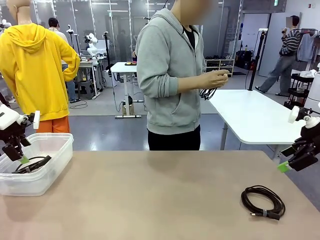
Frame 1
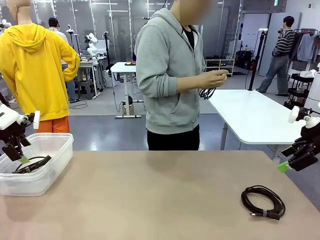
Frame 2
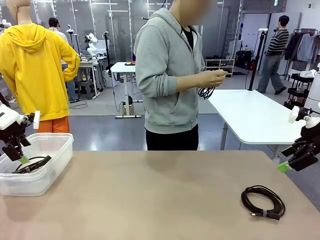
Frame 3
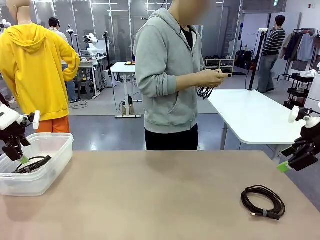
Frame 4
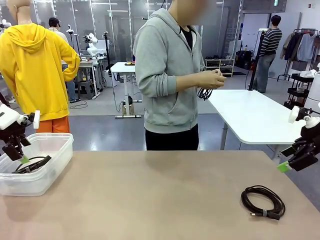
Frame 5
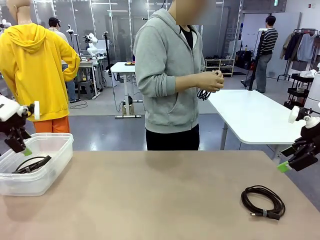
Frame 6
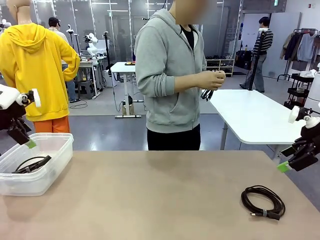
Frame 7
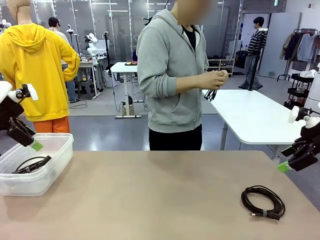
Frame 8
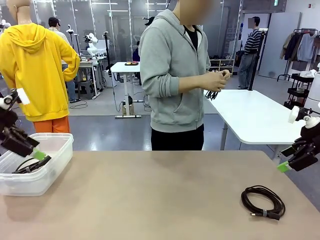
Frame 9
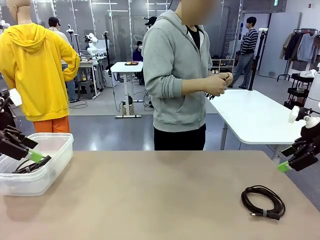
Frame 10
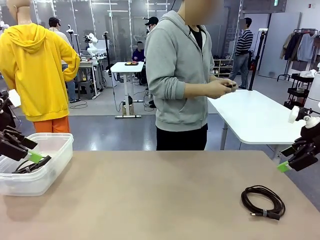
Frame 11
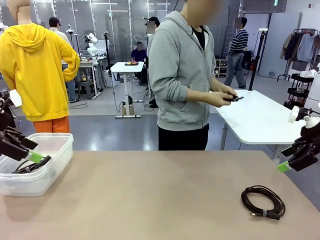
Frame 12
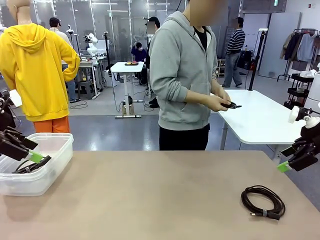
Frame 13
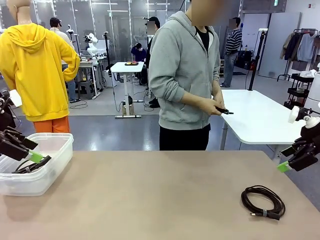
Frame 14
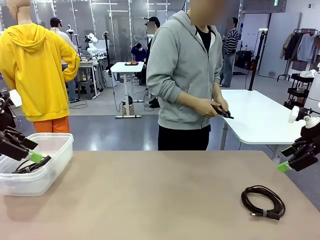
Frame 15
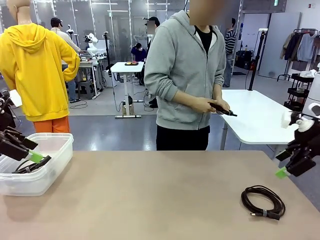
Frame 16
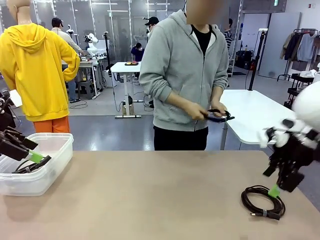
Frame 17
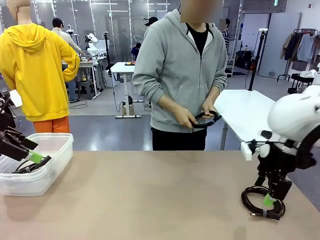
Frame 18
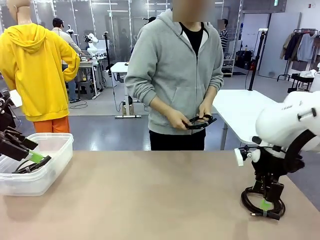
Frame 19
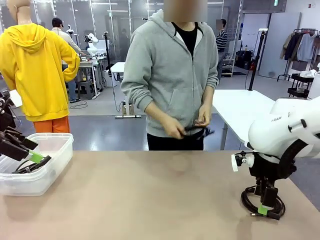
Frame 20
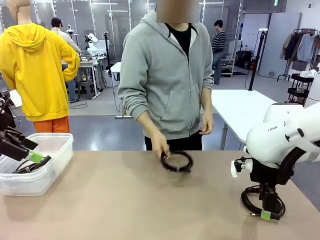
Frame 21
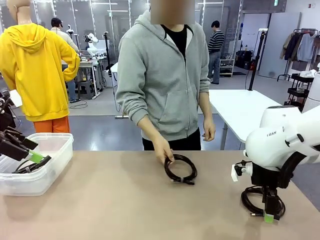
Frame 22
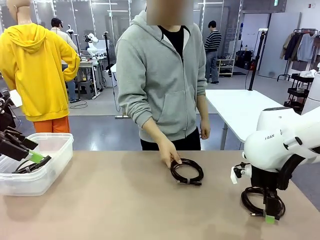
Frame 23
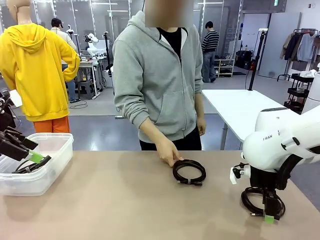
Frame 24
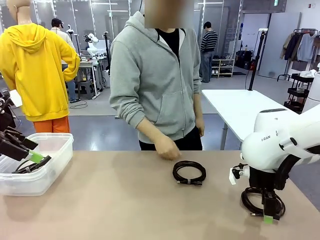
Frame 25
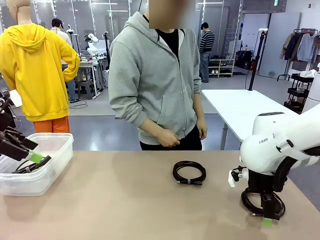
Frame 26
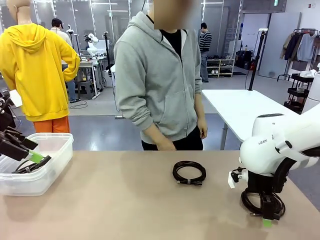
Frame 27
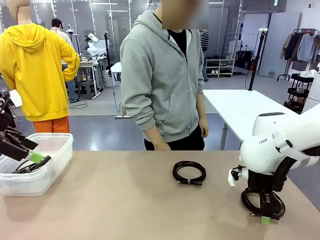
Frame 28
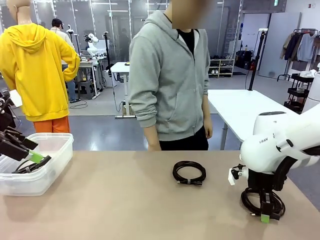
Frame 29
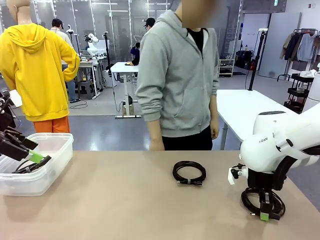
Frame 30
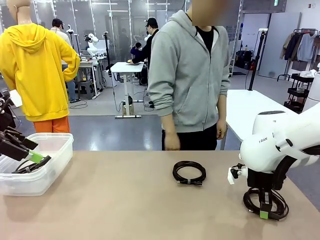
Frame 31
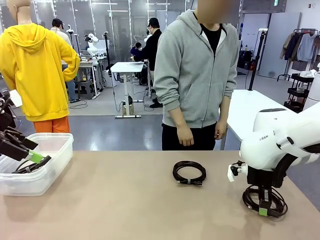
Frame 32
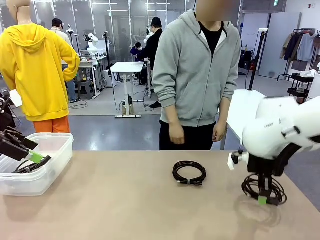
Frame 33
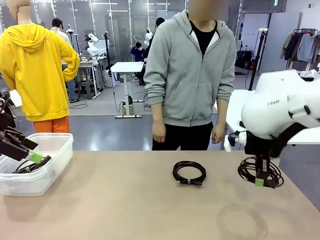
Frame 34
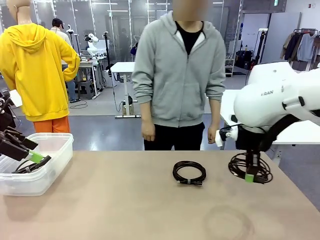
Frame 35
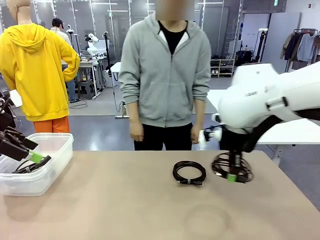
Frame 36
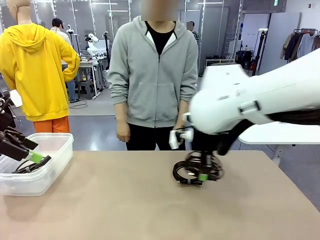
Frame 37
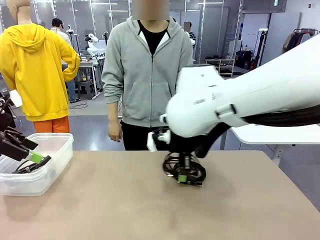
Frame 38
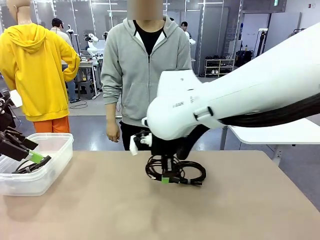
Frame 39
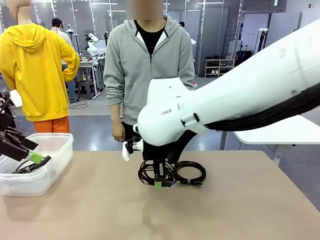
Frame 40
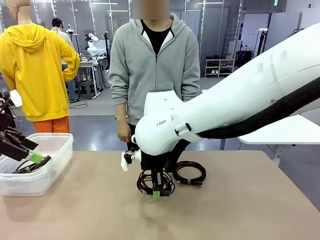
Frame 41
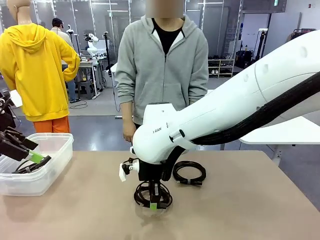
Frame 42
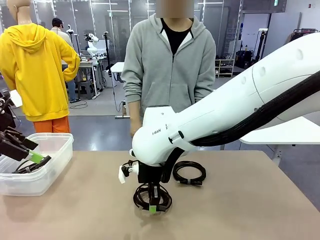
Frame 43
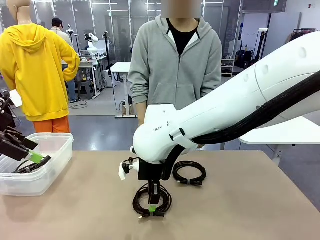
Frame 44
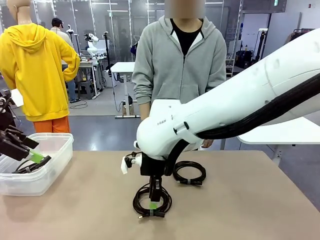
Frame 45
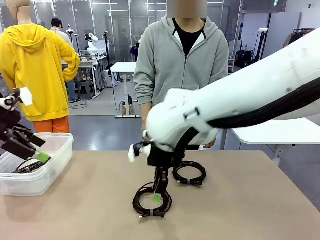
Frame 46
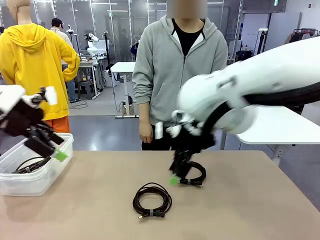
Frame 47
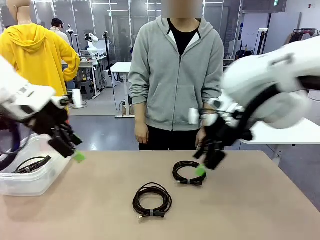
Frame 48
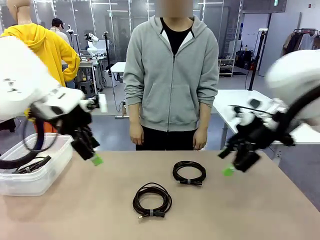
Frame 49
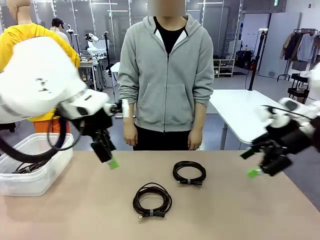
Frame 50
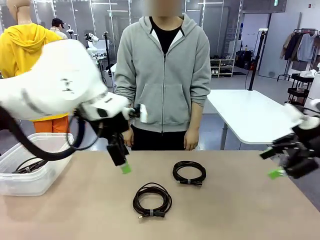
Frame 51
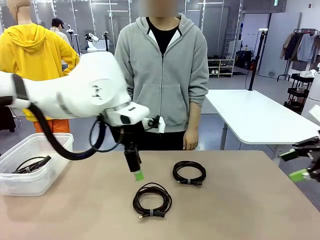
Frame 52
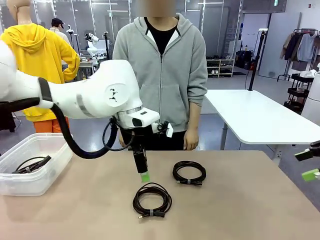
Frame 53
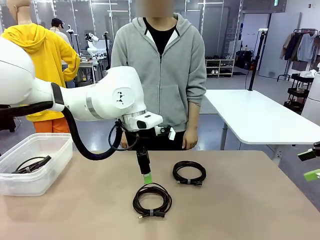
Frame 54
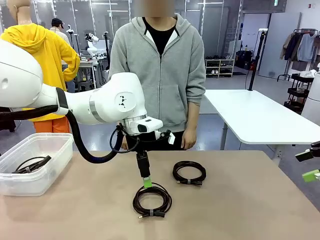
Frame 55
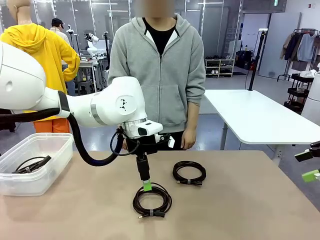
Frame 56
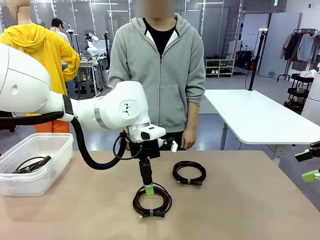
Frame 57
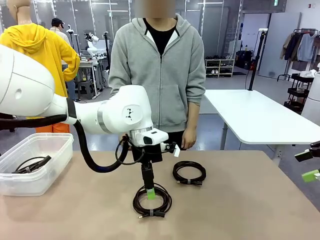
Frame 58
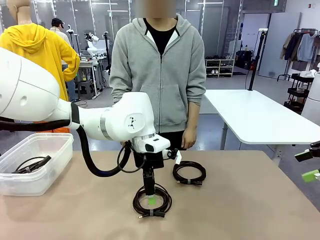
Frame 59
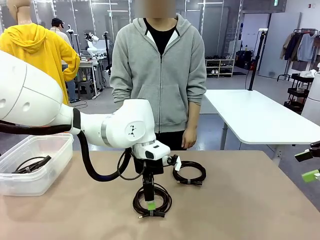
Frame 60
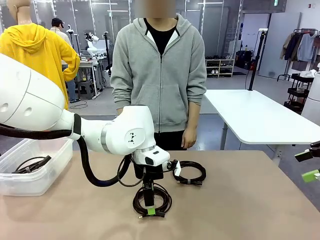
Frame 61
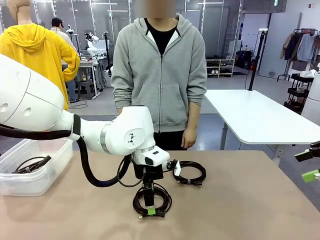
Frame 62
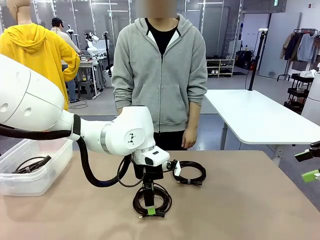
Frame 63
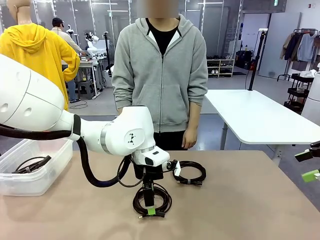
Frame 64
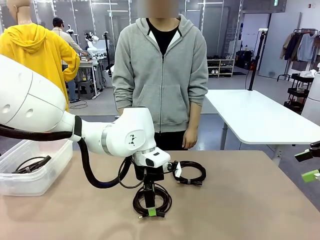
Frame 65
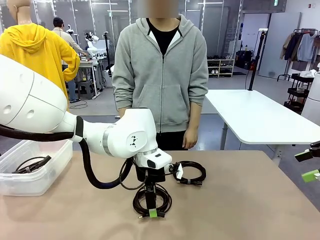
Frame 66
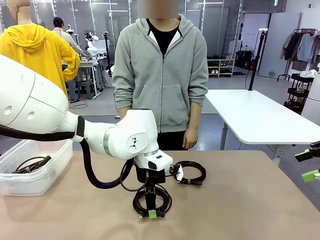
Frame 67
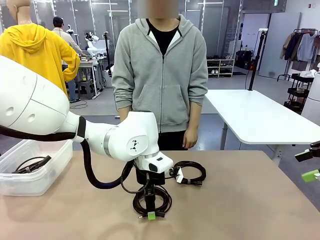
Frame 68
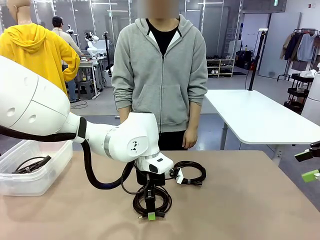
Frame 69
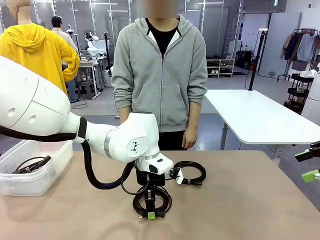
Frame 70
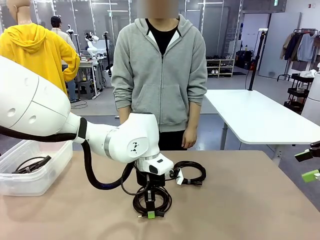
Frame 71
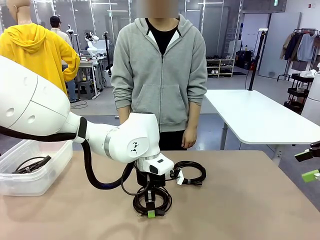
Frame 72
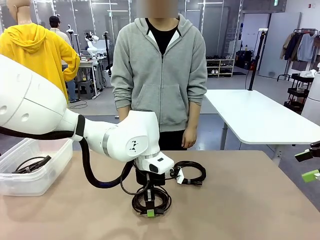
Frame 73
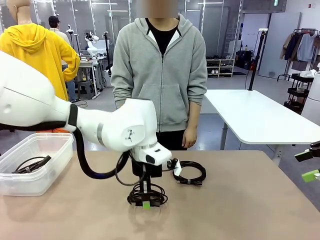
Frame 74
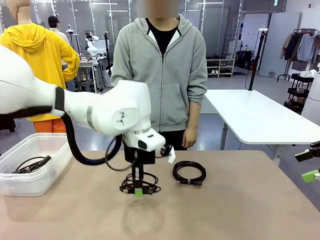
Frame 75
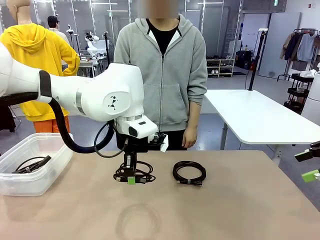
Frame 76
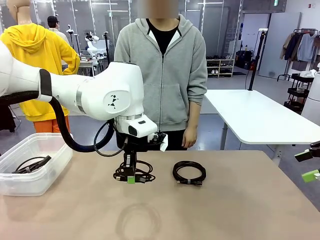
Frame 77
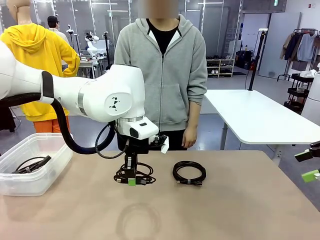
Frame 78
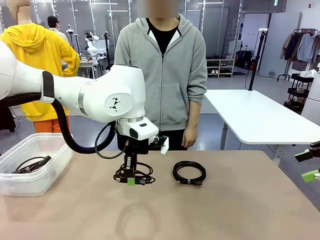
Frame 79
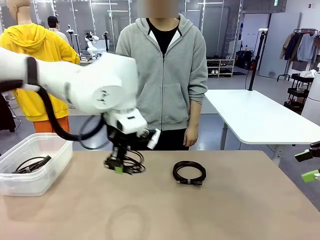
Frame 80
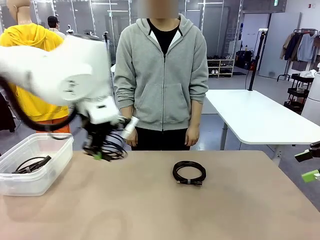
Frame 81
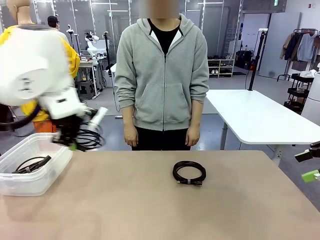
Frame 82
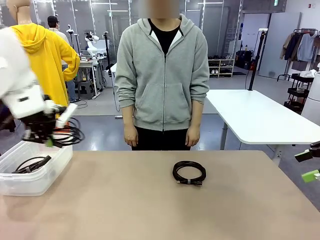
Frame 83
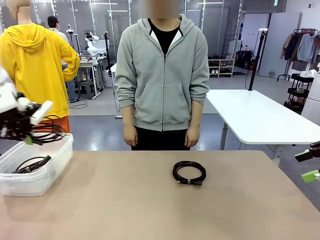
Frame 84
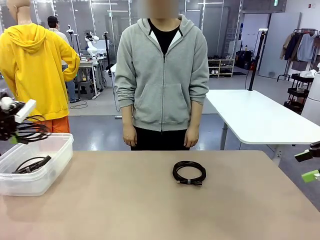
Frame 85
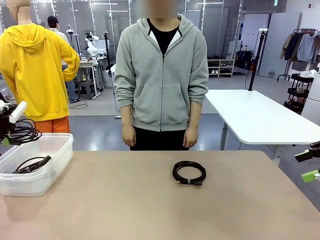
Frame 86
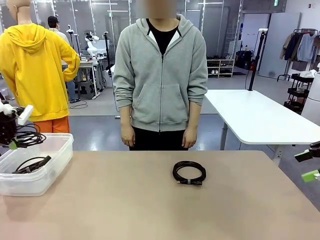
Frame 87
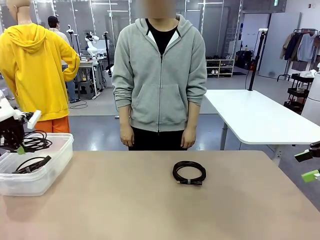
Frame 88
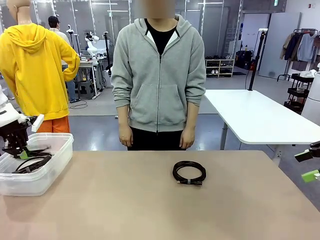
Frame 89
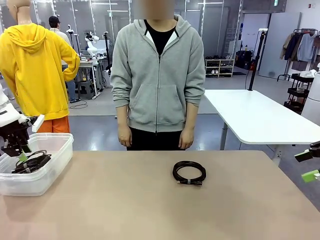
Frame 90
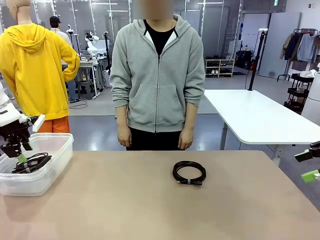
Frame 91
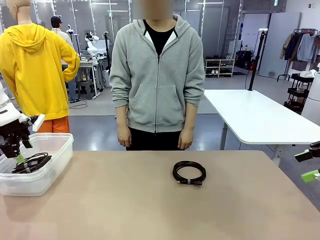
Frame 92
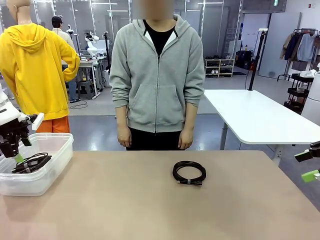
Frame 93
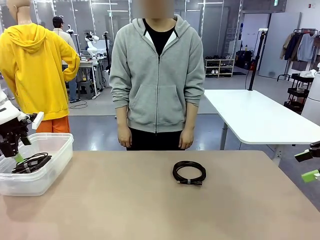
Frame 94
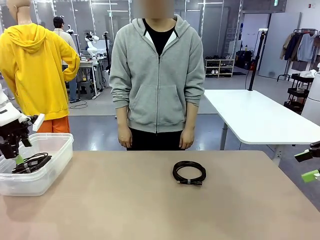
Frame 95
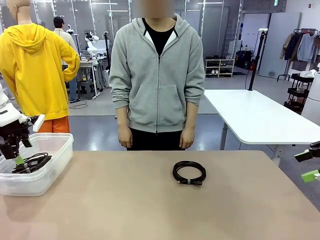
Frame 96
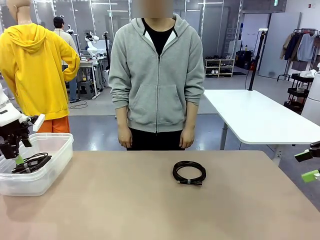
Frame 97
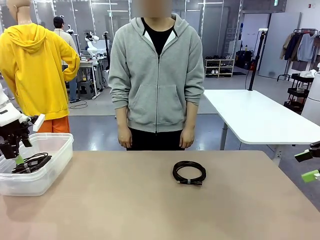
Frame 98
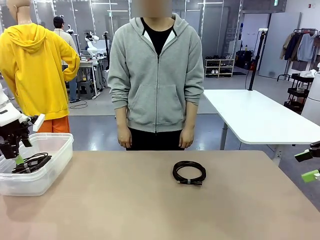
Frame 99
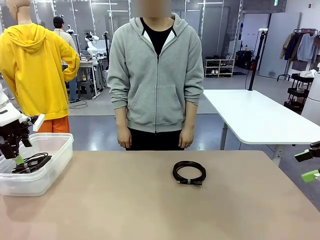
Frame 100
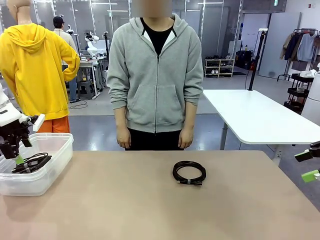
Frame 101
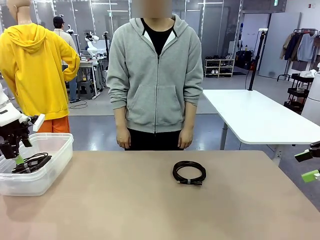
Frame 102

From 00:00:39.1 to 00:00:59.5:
Task: Organize and store the cables.
Robot: Place the USB Extension Cable into the Organizing box.
